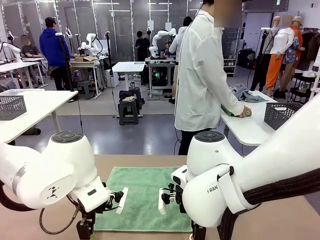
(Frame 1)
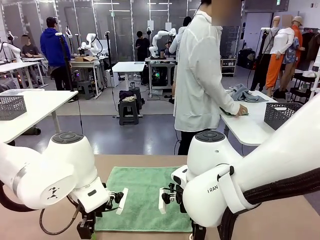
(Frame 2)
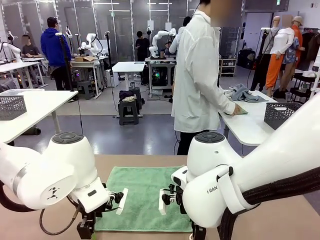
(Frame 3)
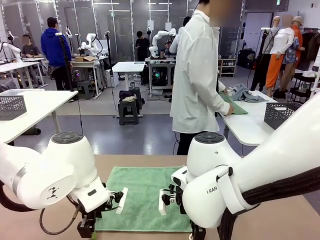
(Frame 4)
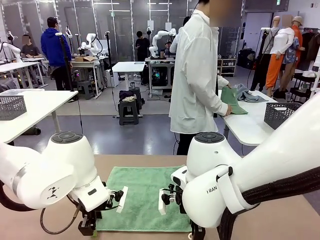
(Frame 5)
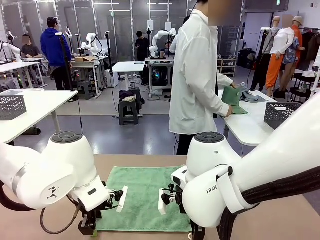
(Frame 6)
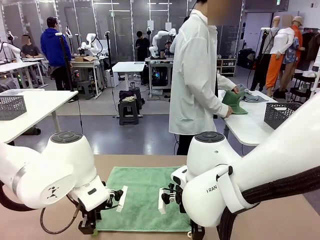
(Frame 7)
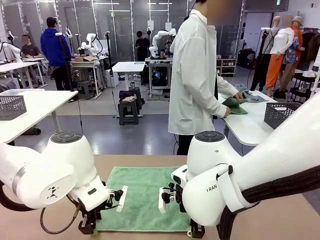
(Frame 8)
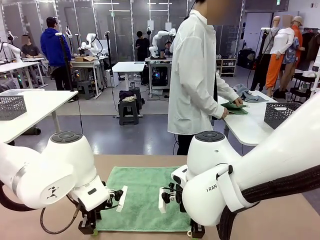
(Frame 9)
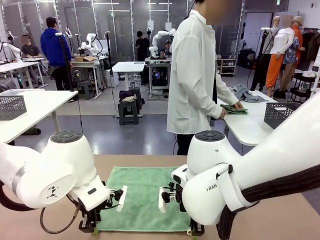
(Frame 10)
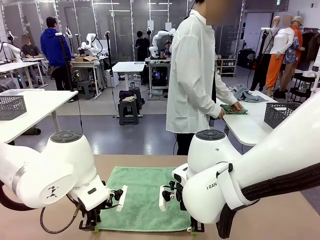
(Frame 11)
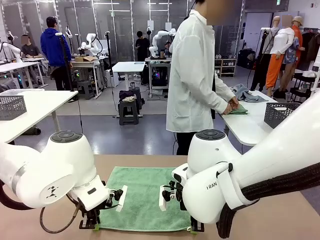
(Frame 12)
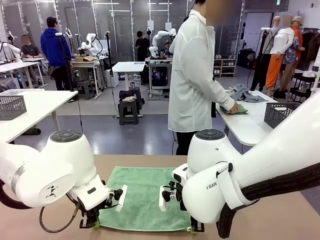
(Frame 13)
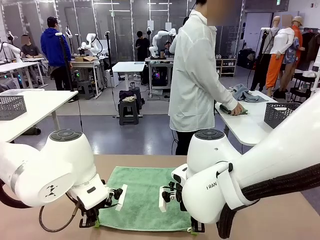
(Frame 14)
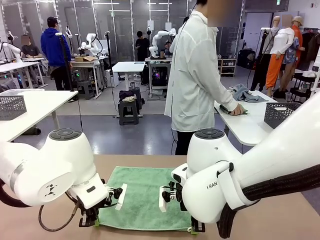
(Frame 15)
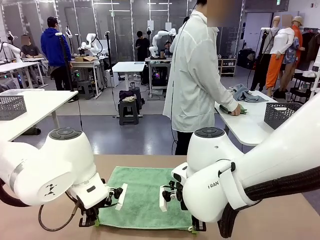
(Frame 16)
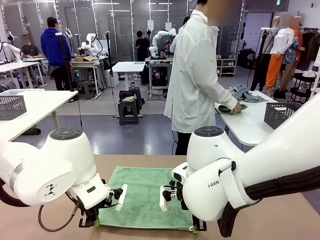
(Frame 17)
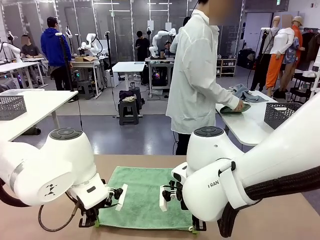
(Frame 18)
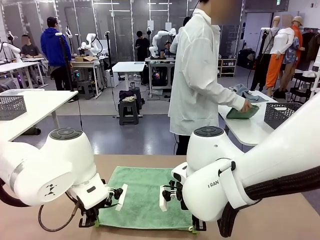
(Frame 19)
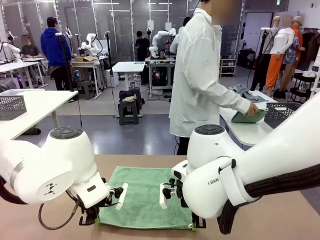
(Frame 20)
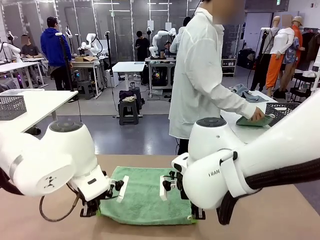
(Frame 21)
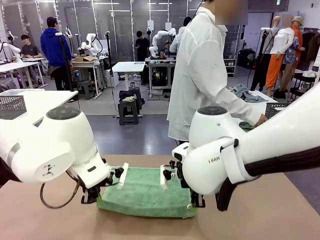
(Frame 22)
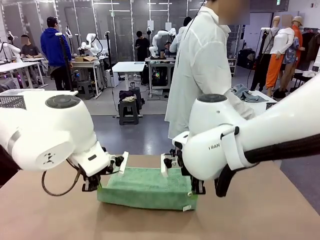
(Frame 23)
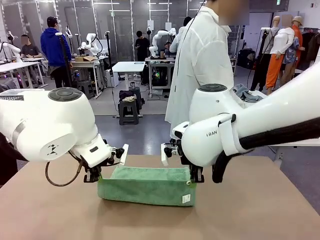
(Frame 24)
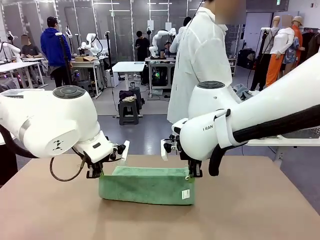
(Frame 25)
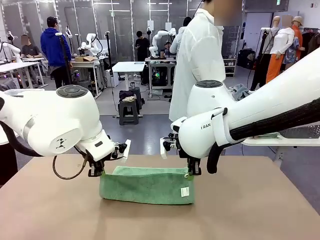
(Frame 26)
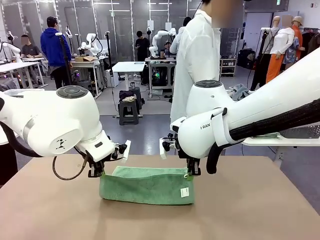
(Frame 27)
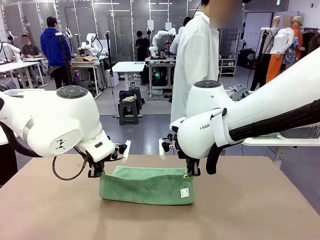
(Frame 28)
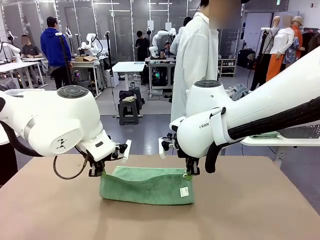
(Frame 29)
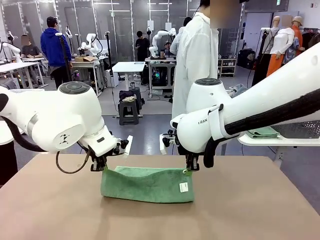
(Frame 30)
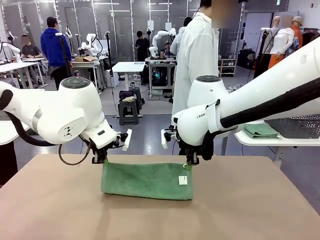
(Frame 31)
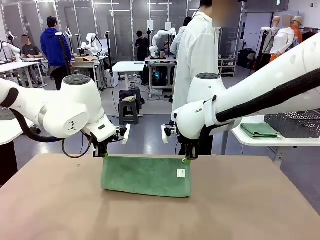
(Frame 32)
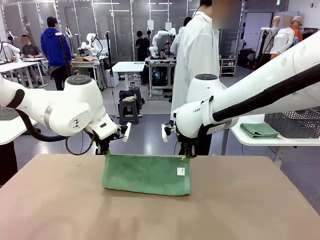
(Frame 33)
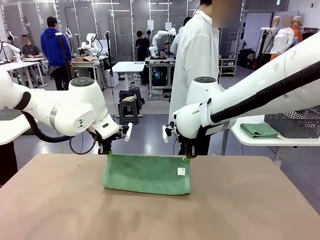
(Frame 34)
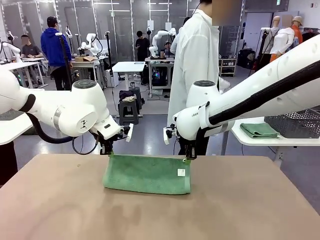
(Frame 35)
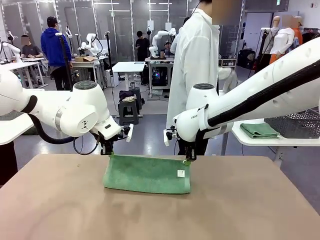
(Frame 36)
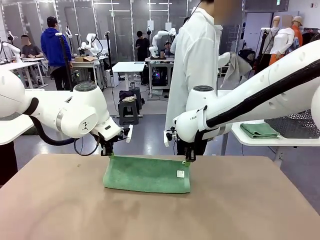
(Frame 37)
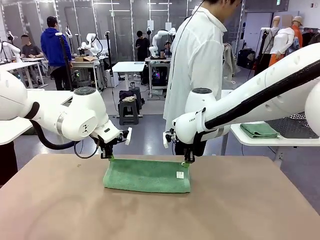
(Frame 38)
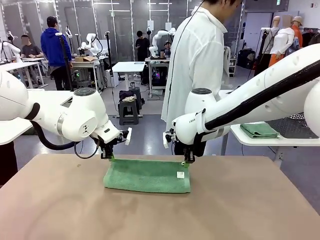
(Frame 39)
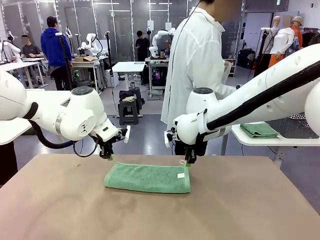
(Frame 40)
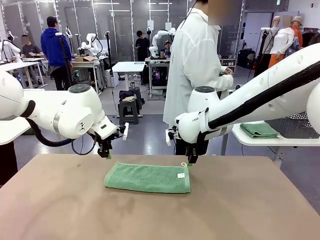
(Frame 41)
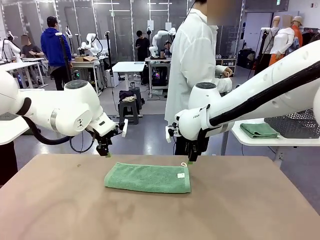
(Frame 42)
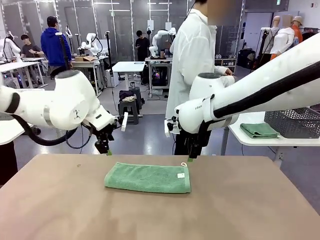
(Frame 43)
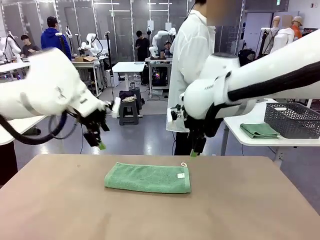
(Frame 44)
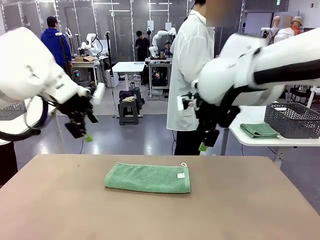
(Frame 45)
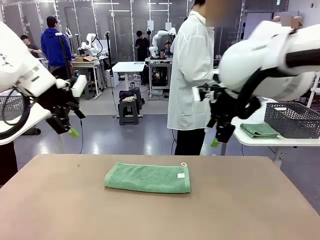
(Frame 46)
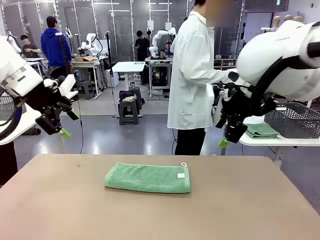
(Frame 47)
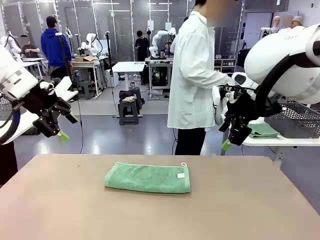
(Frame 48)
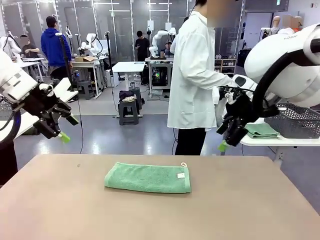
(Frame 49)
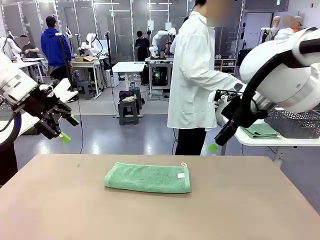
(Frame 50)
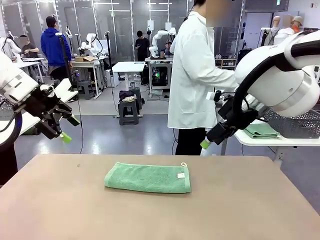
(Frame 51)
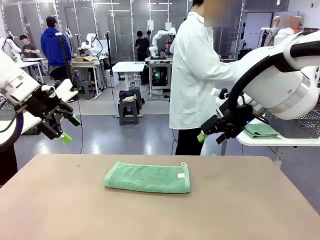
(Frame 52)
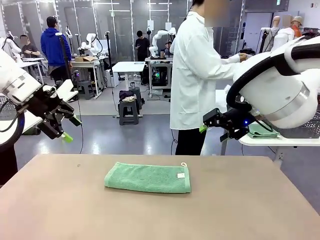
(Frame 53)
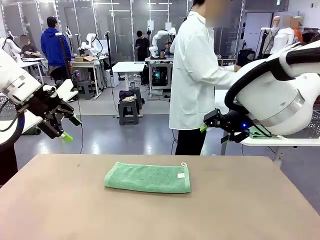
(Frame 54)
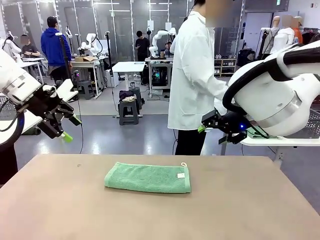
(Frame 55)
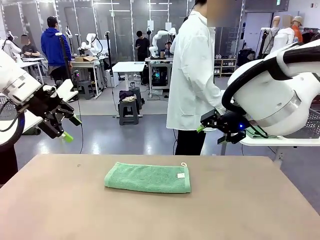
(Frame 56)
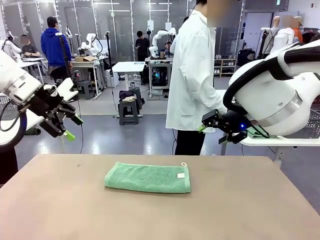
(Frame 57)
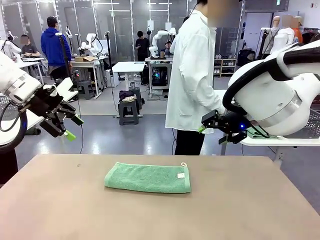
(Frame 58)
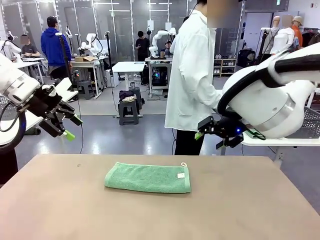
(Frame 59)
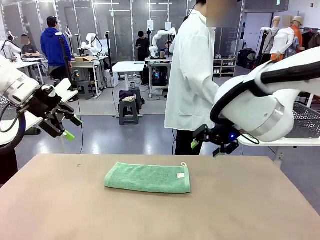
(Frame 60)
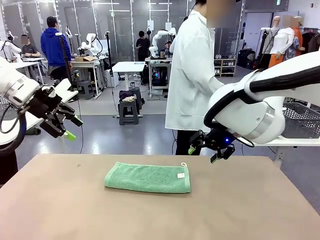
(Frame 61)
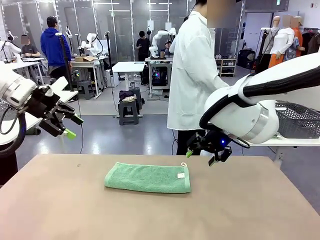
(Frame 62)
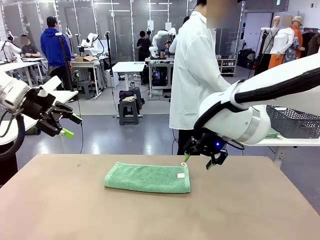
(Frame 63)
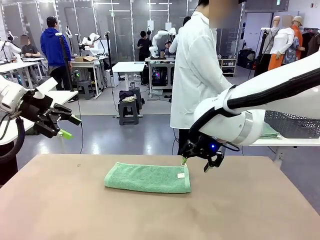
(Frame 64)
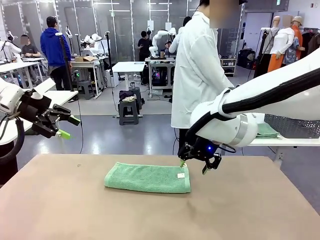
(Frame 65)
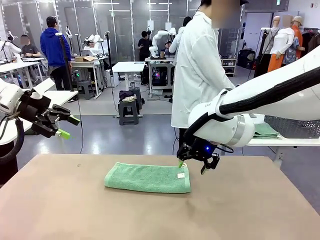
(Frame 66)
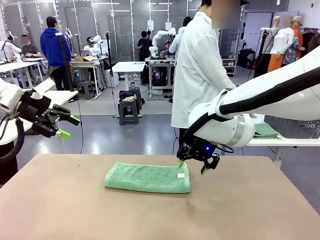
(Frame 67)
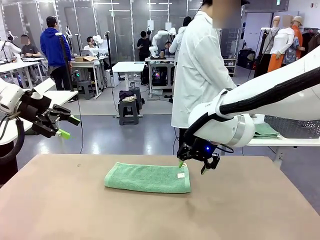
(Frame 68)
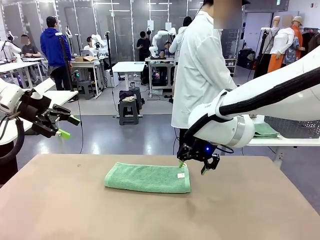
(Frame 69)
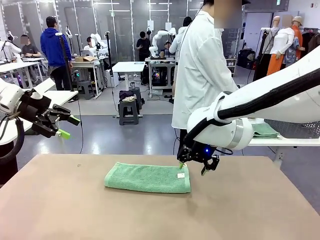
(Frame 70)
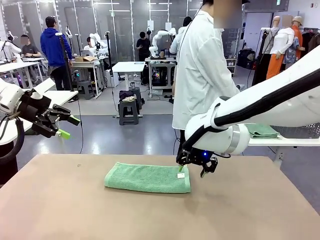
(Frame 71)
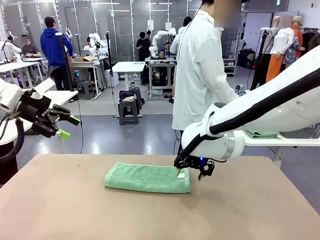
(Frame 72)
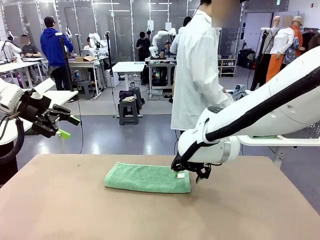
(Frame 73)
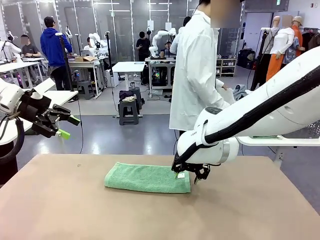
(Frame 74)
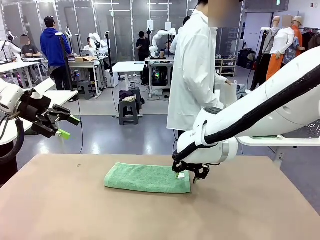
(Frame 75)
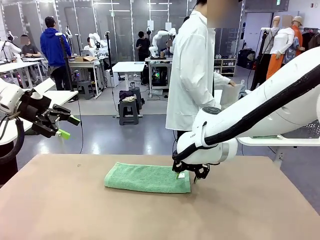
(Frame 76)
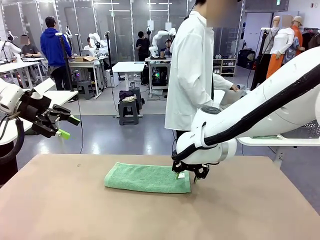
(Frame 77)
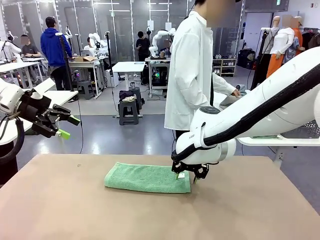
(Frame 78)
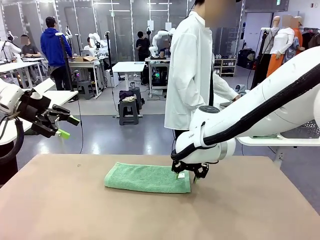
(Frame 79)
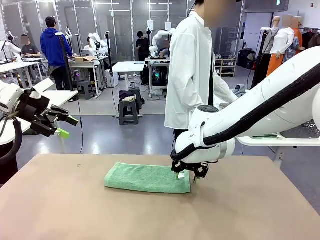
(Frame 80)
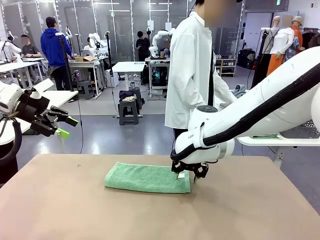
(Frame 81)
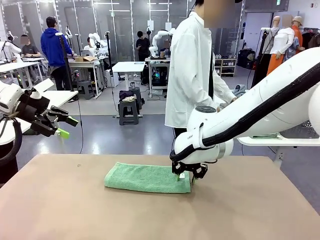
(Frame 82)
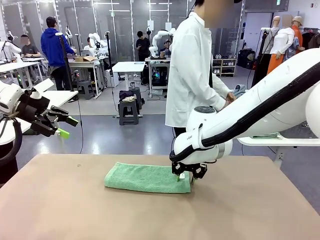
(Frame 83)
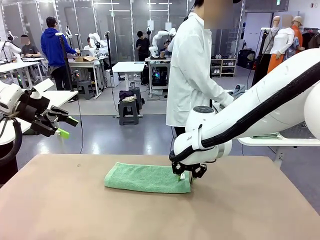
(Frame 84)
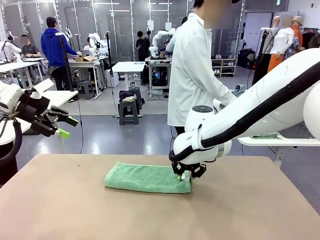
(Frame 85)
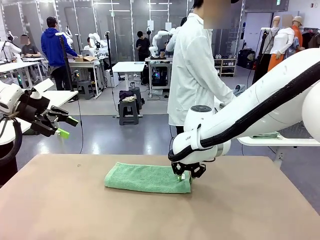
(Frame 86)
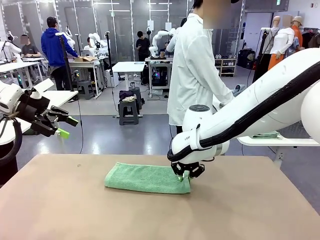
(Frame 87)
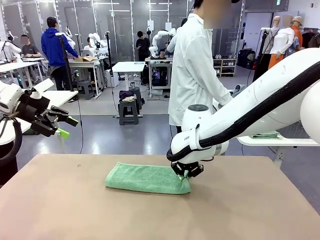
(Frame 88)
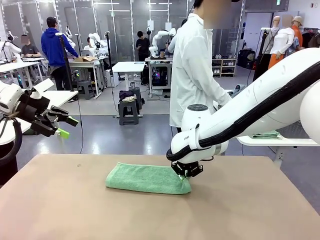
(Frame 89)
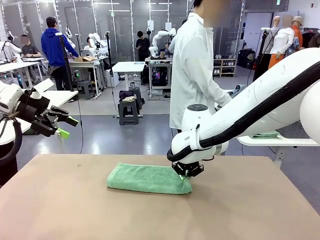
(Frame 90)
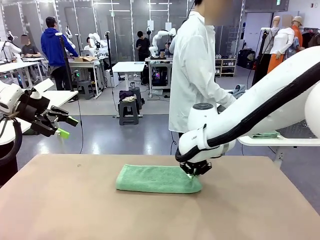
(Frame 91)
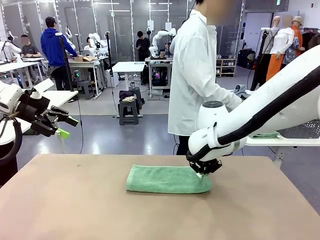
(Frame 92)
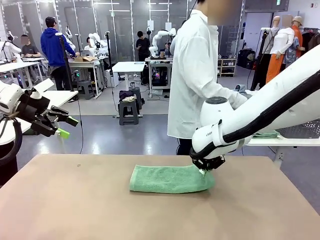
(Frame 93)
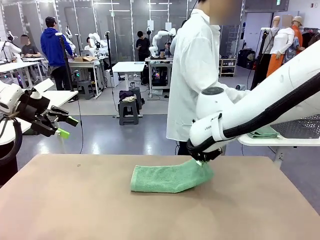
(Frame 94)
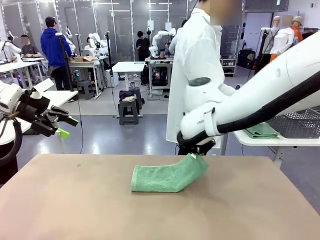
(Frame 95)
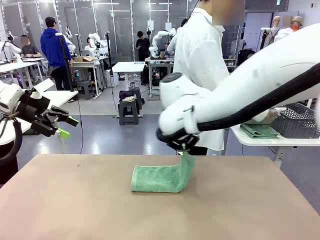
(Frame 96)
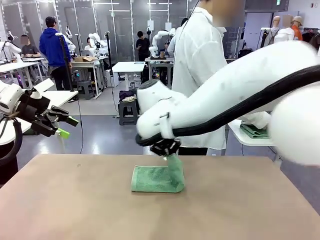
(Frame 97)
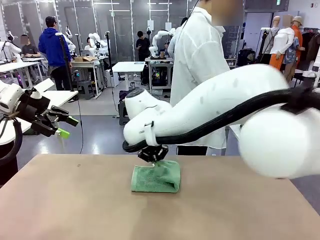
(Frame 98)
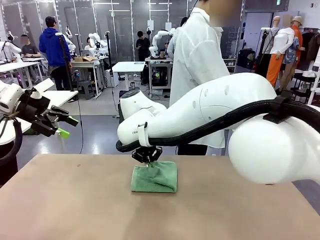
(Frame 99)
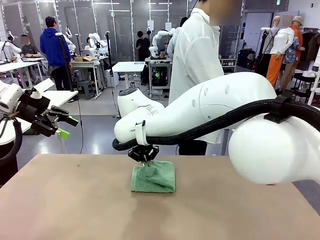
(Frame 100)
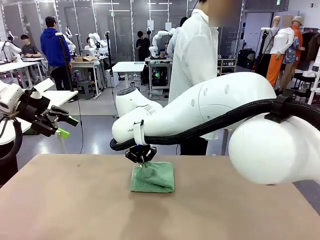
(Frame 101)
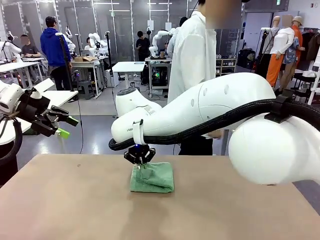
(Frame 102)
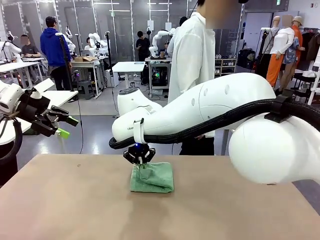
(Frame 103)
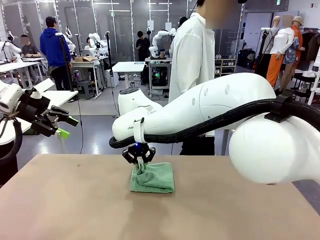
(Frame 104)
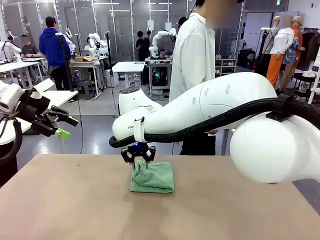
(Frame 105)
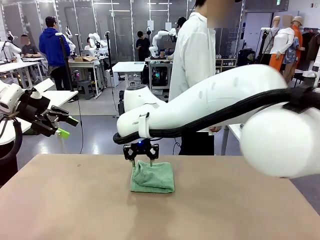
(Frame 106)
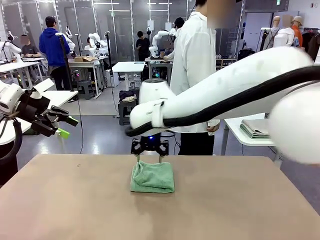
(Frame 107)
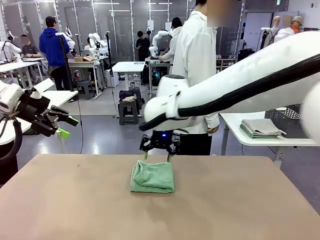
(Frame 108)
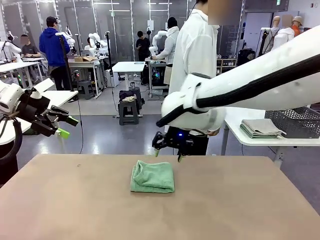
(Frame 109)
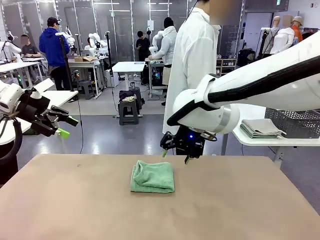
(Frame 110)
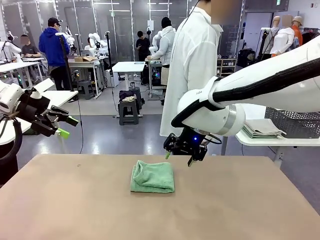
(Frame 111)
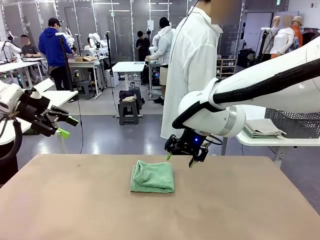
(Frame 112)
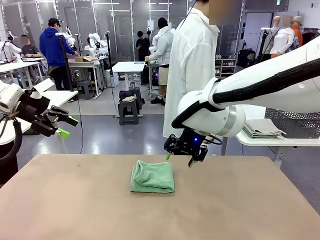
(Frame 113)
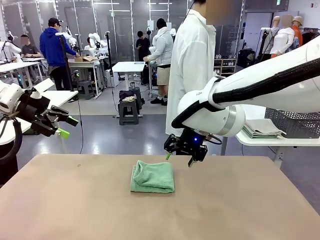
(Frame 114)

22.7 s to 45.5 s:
Task: Fold the towels and place them in the basket.
Robot: When a person lays out a Towel with hook on the table, fold it in half twice.
Person: Pick up one towel from the left side of the human table, fold it in half twice, and stack it on the right side of the table.
